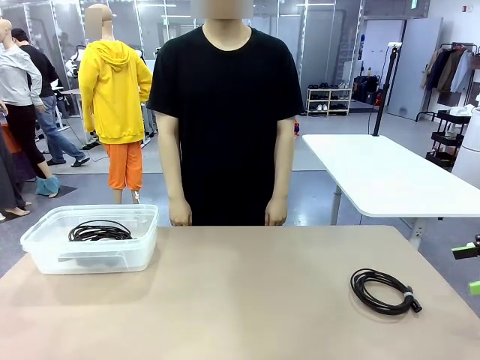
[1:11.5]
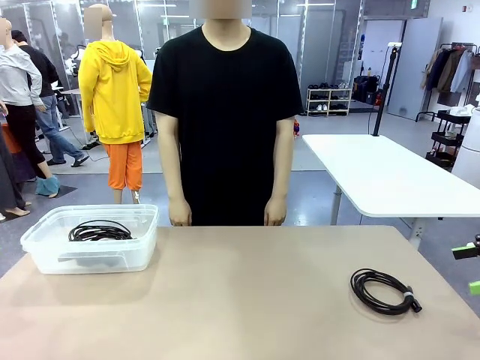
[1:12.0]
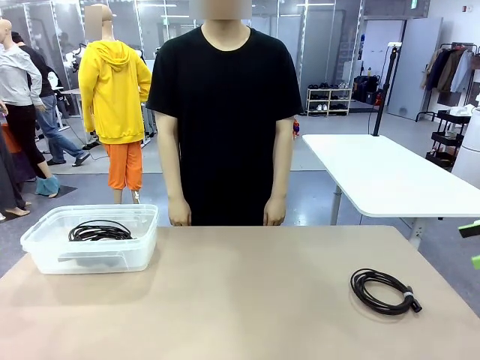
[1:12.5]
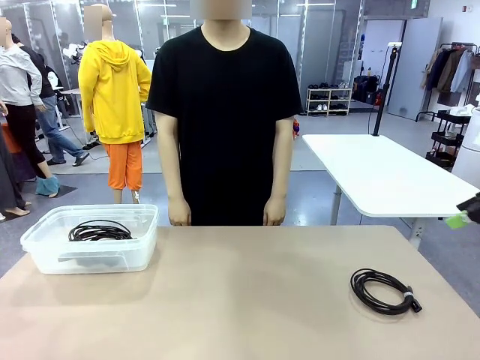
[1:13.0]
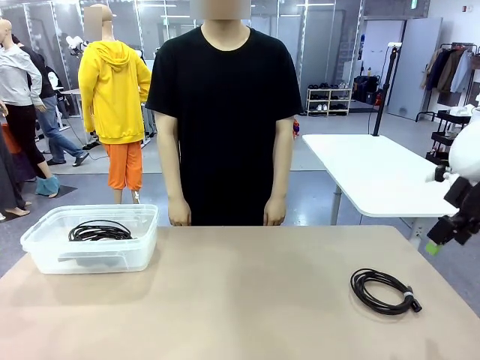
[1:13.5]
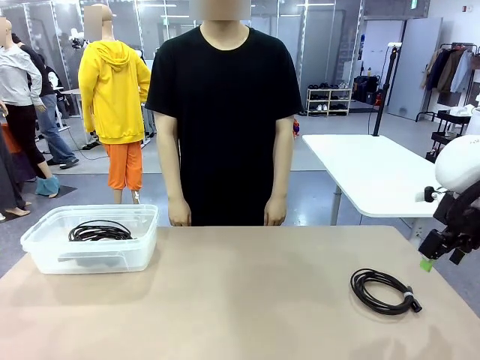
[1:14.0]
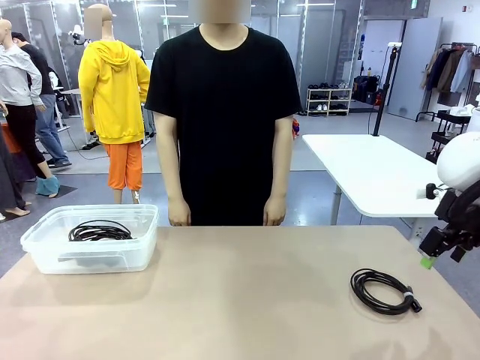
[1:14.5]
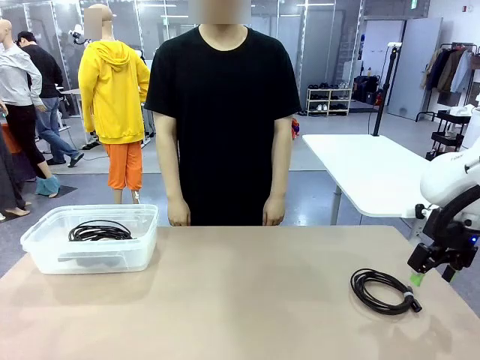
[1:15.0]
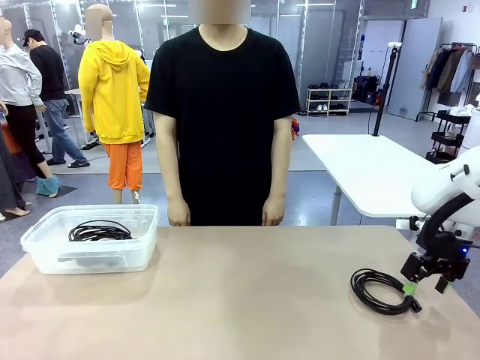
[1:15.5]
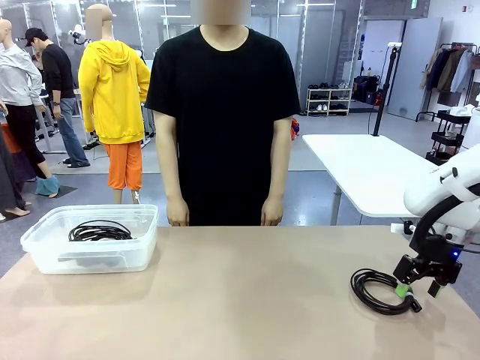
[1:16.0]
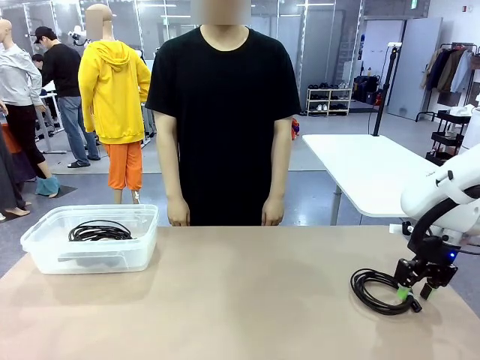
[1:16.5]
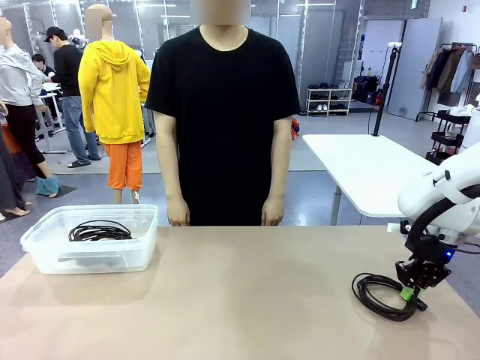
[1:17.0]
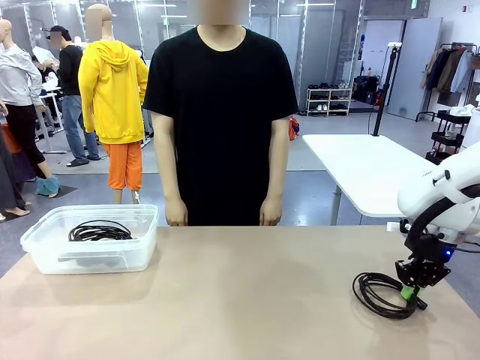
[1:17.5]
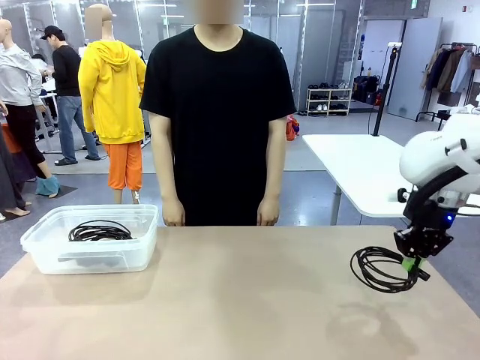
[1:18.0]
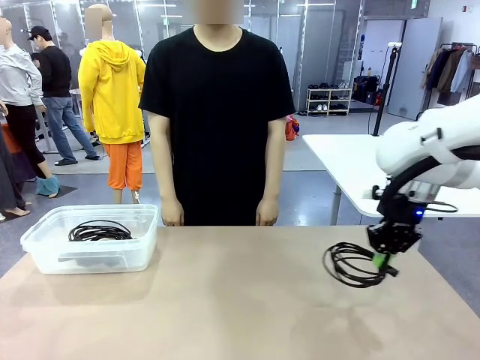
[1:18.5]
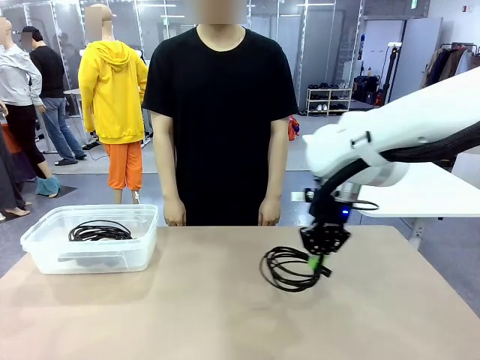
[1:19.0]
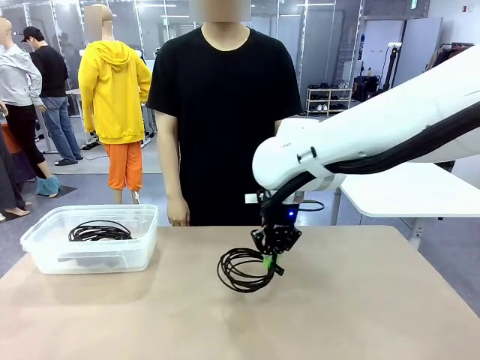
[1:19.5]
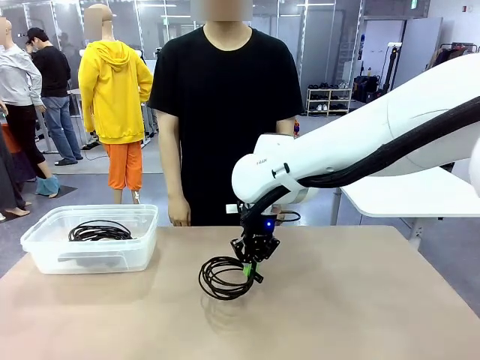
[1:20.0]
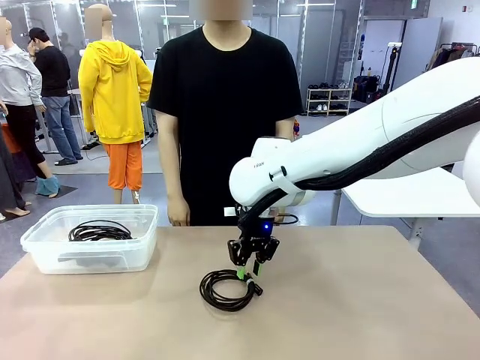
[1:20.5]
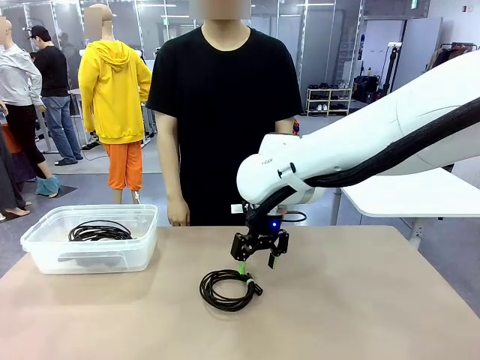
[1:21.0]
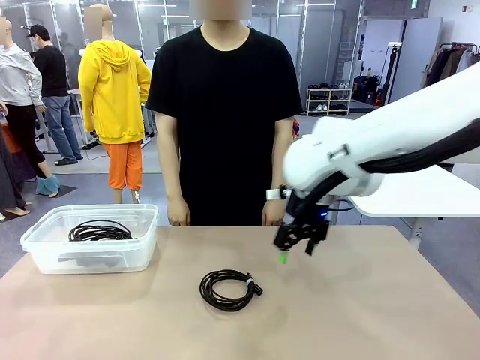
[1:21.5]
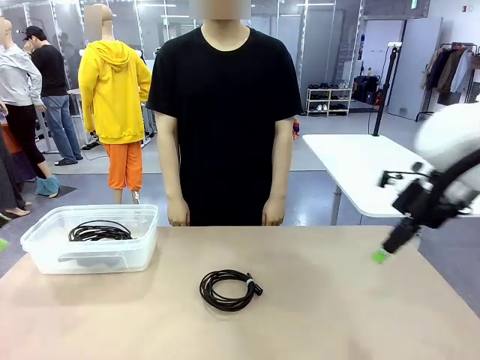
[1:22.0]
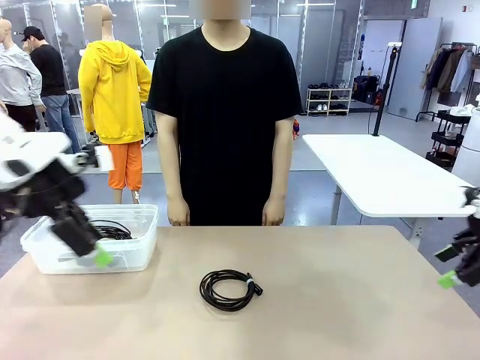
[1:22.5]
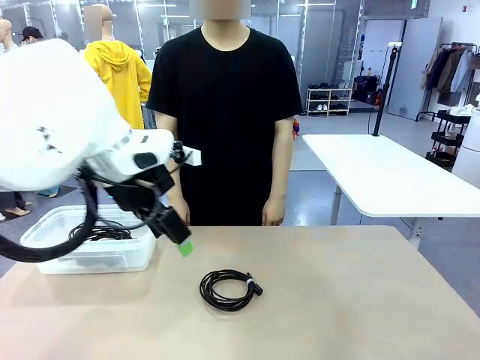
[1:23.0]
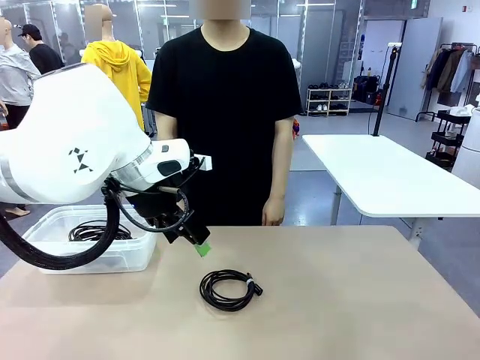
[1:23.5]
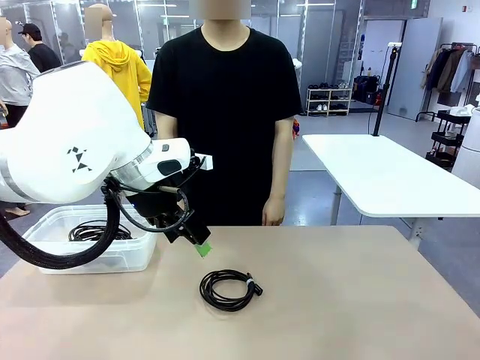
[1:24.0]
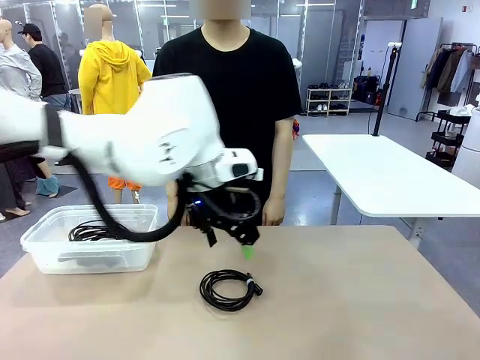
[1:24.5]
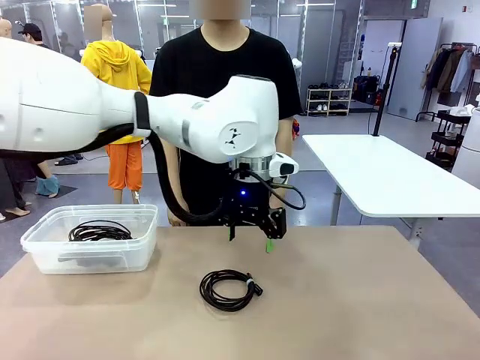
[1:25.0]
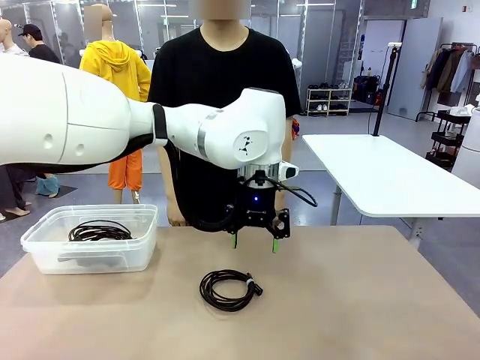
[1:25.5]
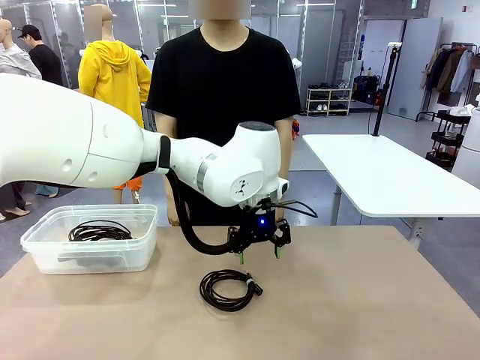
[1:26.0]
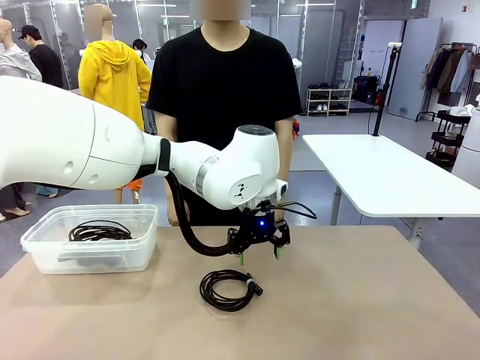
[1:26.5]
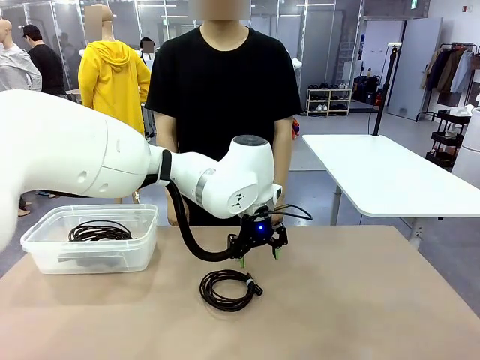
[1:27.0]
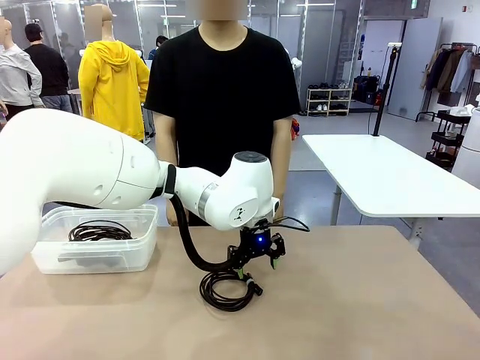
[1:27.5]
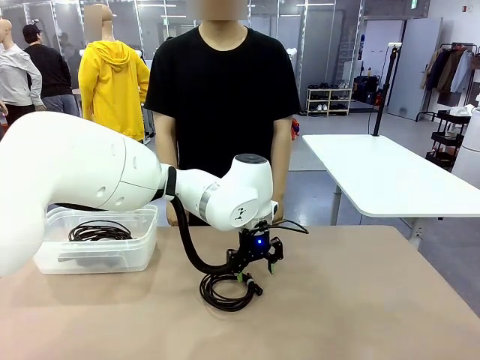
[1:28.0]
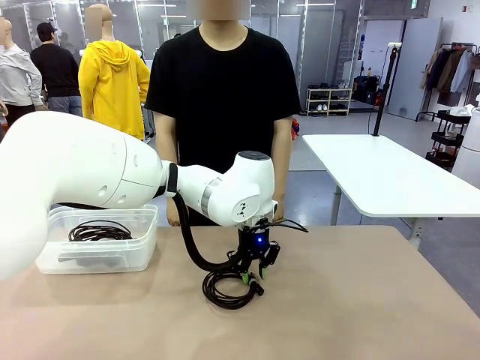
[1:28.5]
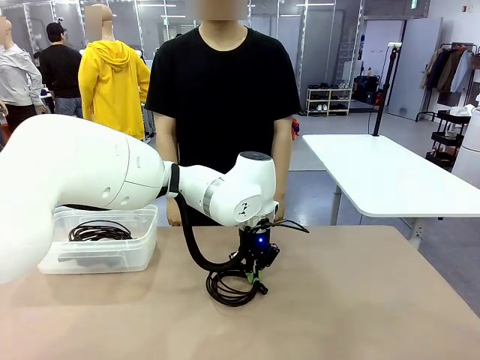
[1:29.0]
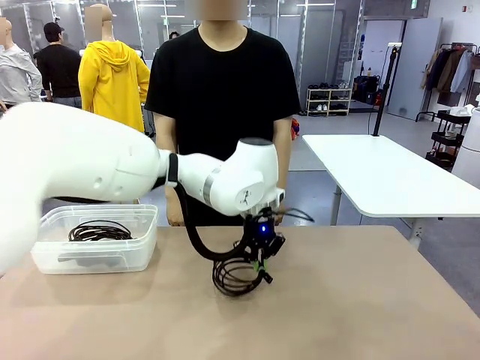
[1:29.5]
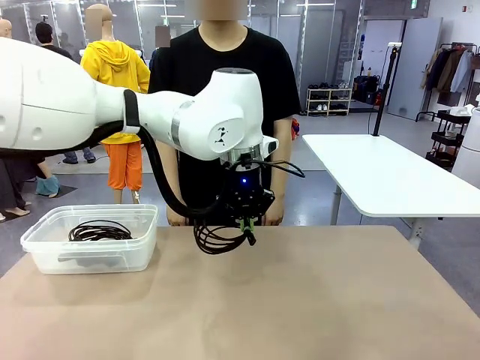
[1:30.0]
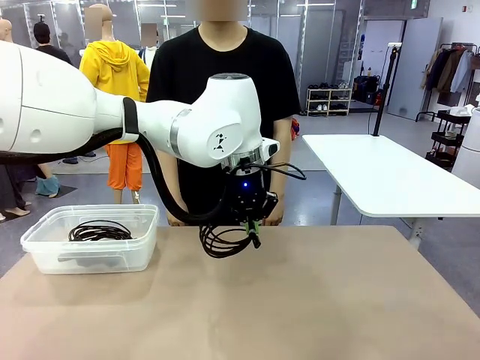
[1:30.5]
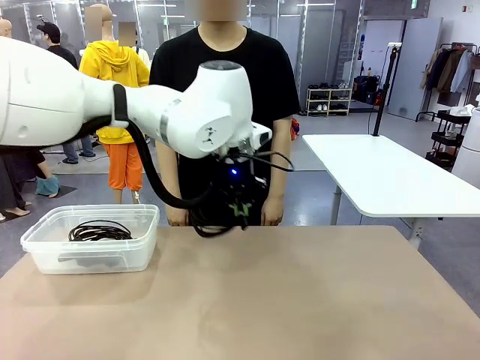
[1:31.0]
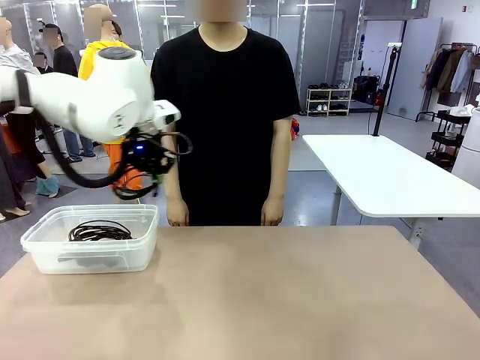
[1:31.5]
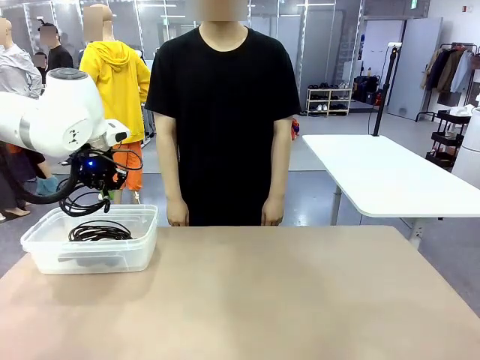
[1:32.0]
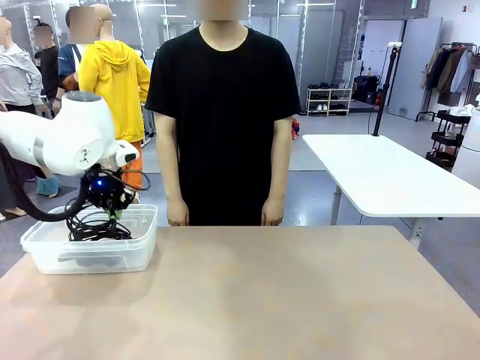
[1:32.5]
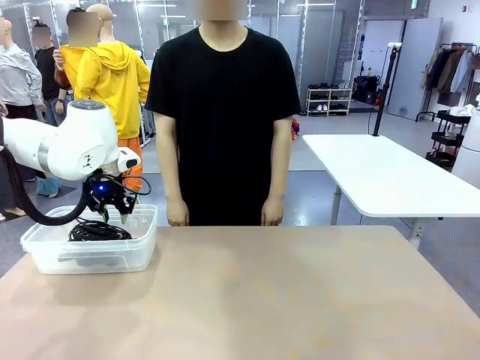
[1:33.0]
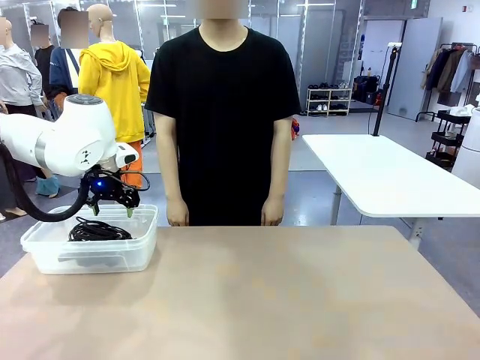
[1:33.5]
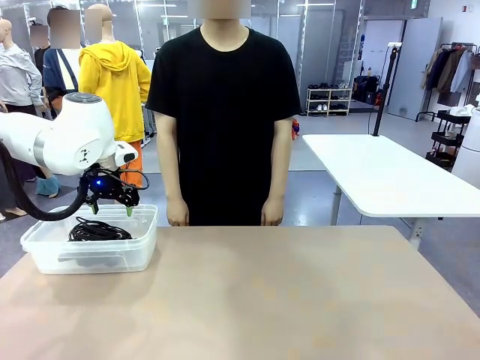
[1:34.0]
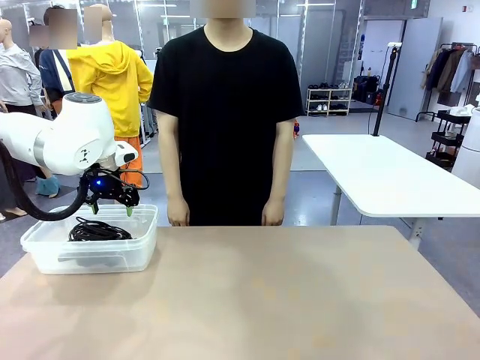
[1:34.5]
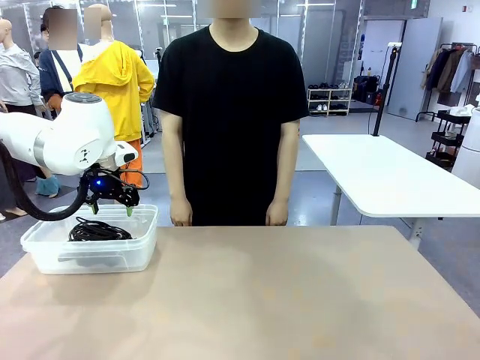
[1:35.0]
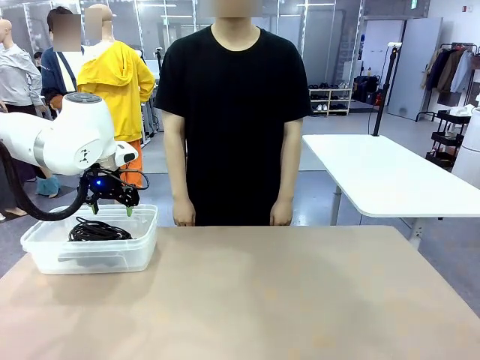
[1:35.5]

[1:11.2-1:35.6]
Task: Organize and store the cables.
Robot: Place the USB Extension Cable into the Organizing box.
